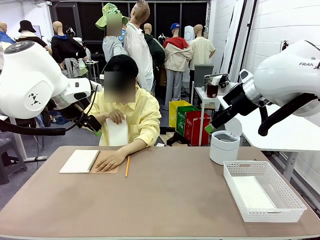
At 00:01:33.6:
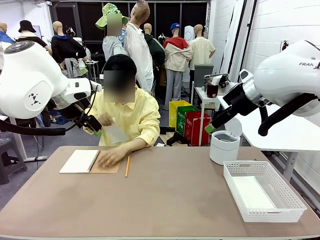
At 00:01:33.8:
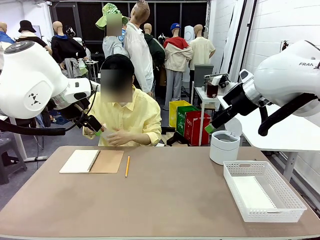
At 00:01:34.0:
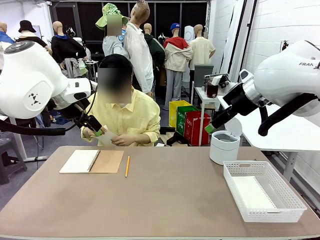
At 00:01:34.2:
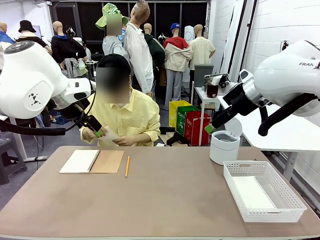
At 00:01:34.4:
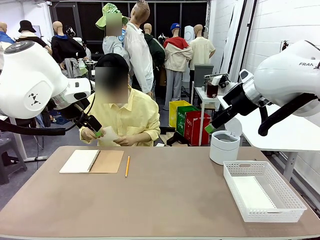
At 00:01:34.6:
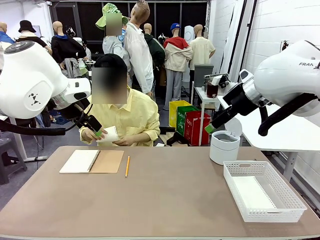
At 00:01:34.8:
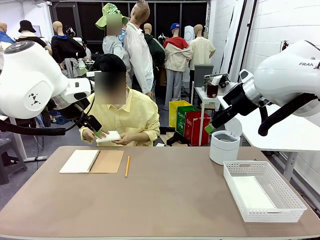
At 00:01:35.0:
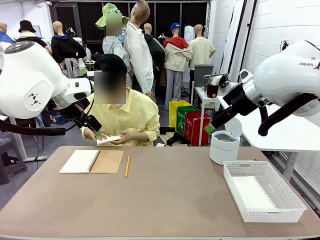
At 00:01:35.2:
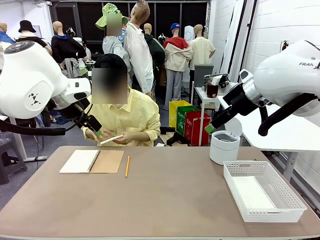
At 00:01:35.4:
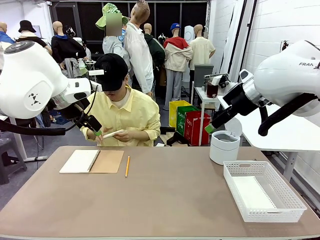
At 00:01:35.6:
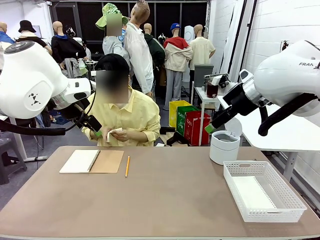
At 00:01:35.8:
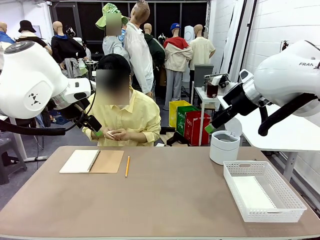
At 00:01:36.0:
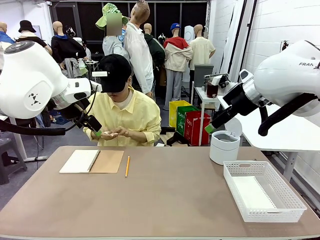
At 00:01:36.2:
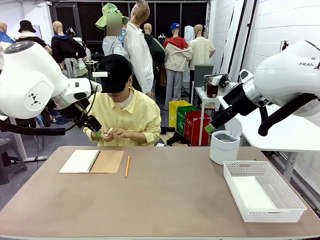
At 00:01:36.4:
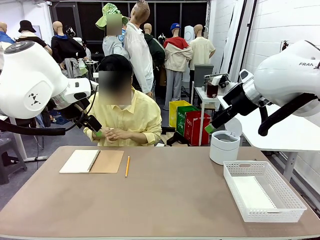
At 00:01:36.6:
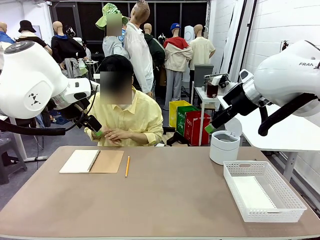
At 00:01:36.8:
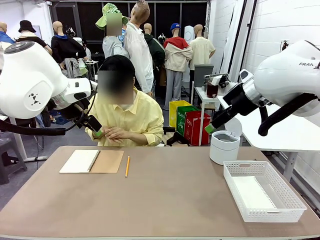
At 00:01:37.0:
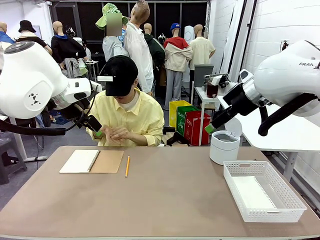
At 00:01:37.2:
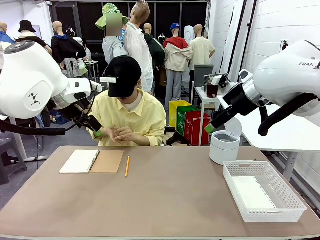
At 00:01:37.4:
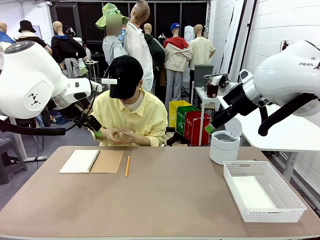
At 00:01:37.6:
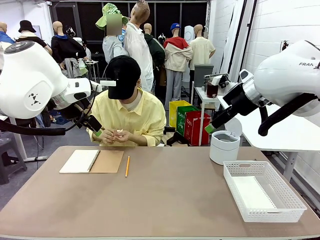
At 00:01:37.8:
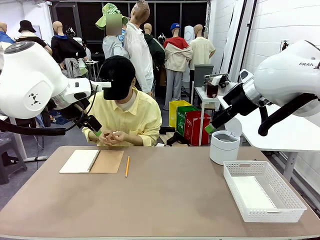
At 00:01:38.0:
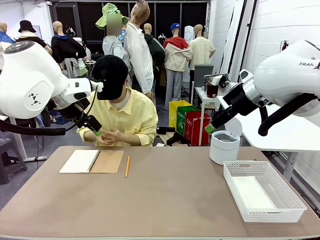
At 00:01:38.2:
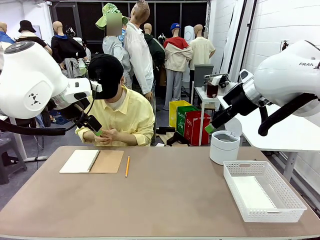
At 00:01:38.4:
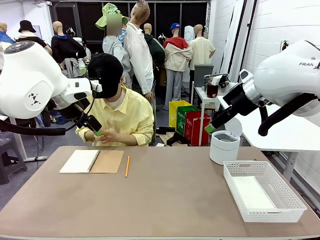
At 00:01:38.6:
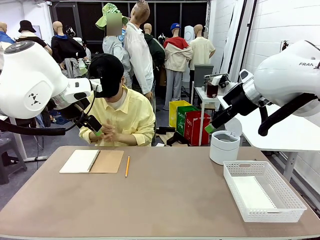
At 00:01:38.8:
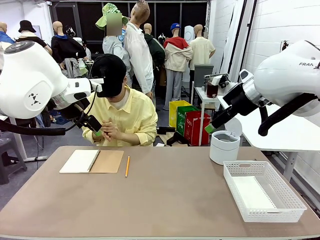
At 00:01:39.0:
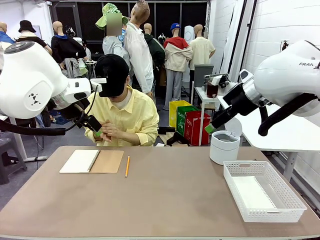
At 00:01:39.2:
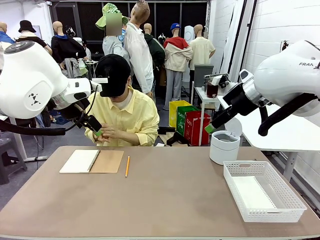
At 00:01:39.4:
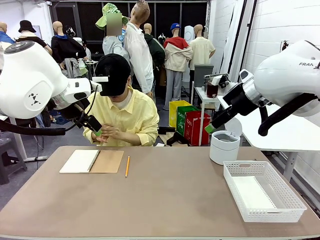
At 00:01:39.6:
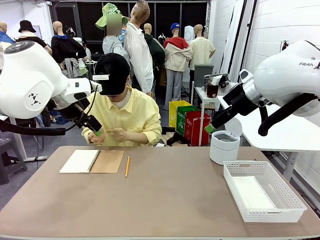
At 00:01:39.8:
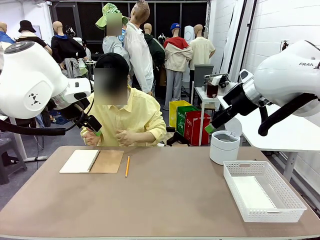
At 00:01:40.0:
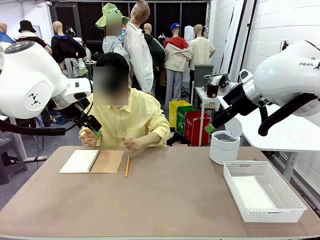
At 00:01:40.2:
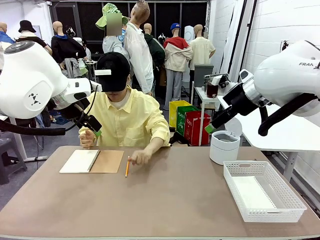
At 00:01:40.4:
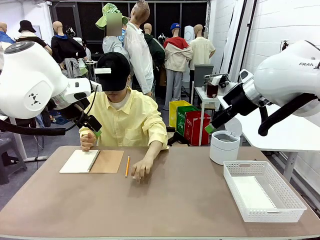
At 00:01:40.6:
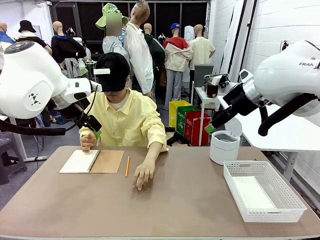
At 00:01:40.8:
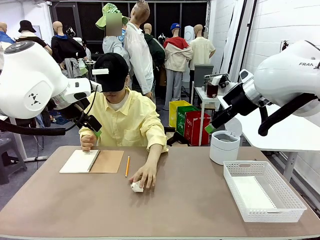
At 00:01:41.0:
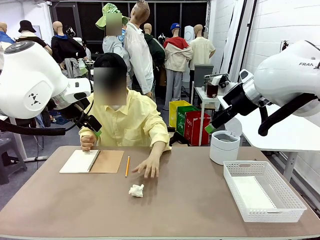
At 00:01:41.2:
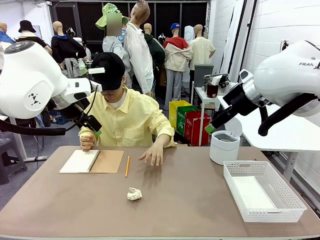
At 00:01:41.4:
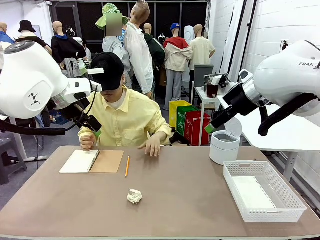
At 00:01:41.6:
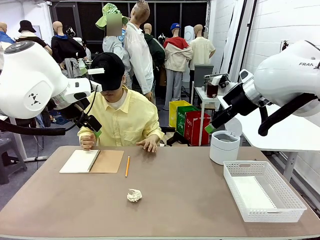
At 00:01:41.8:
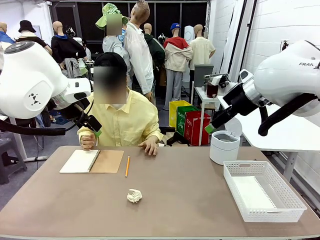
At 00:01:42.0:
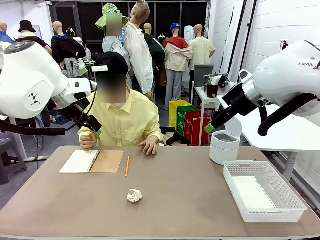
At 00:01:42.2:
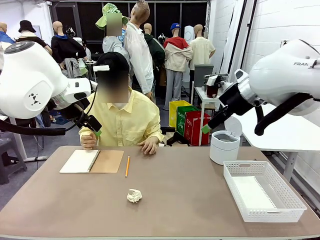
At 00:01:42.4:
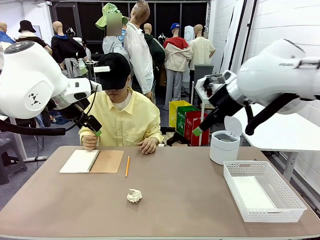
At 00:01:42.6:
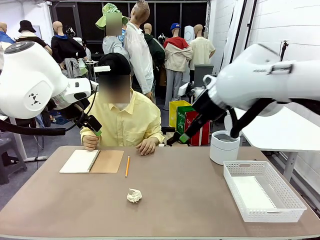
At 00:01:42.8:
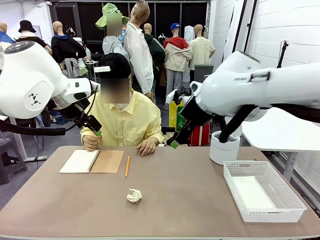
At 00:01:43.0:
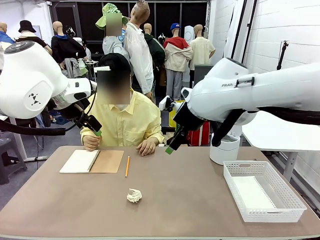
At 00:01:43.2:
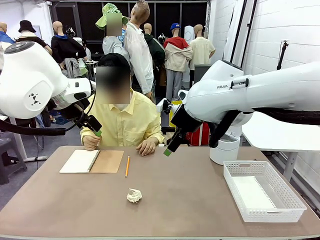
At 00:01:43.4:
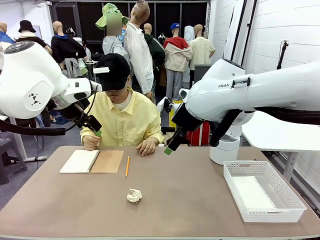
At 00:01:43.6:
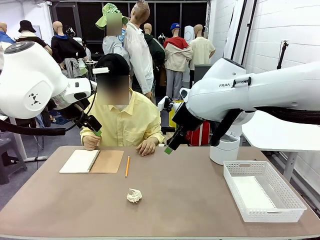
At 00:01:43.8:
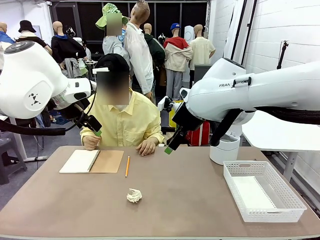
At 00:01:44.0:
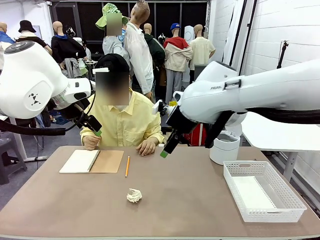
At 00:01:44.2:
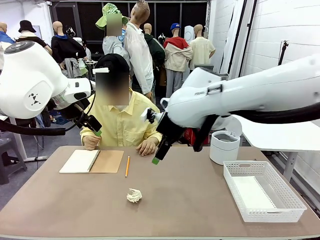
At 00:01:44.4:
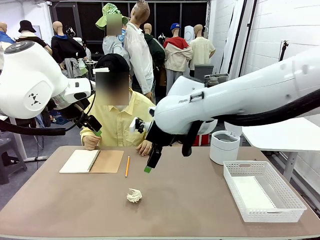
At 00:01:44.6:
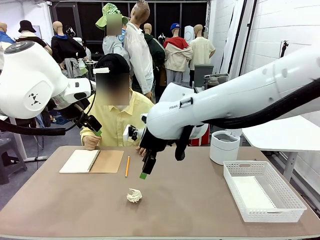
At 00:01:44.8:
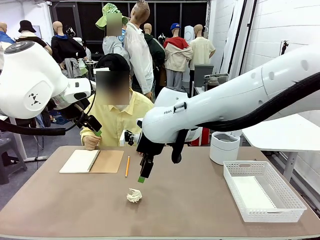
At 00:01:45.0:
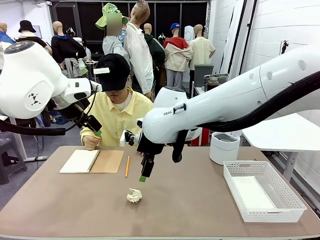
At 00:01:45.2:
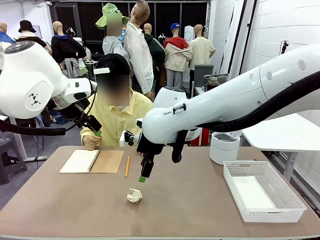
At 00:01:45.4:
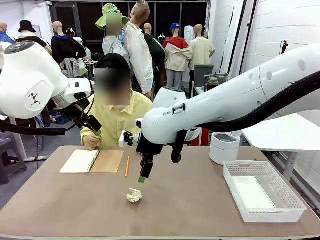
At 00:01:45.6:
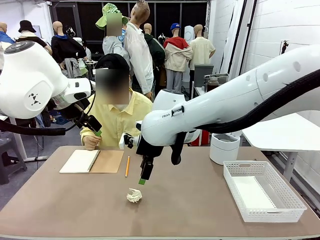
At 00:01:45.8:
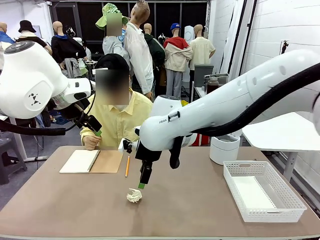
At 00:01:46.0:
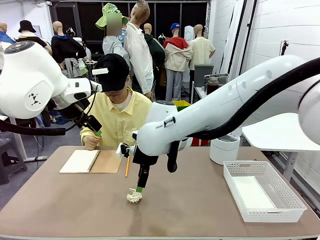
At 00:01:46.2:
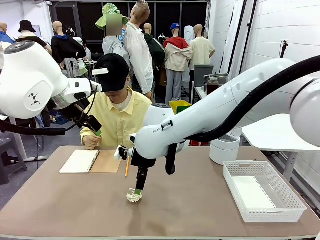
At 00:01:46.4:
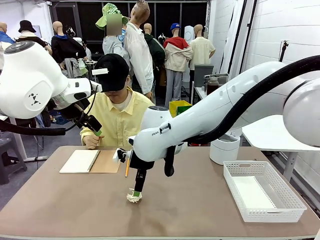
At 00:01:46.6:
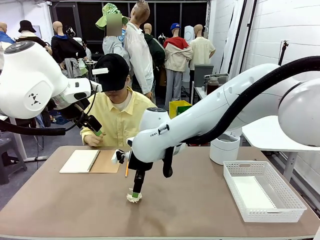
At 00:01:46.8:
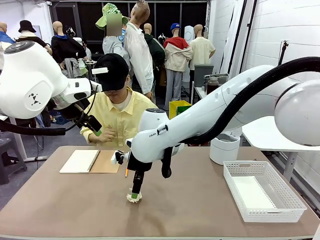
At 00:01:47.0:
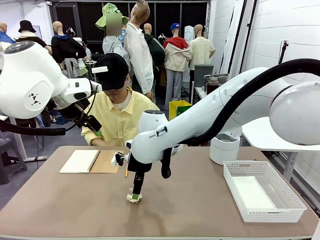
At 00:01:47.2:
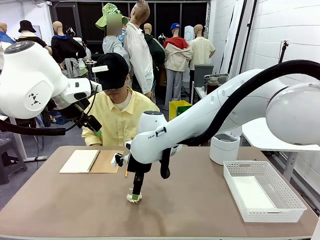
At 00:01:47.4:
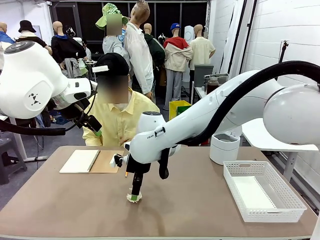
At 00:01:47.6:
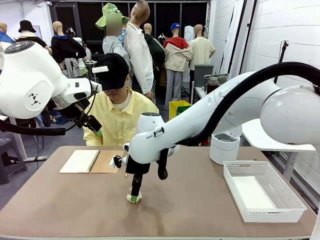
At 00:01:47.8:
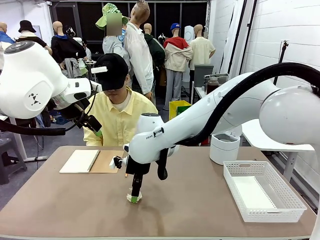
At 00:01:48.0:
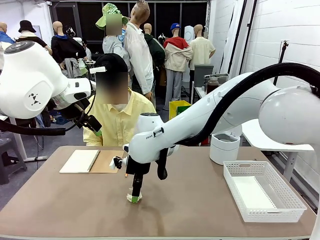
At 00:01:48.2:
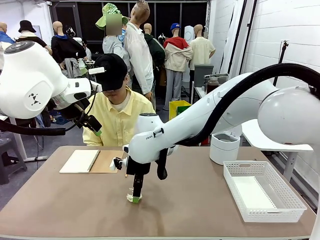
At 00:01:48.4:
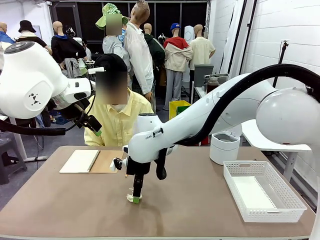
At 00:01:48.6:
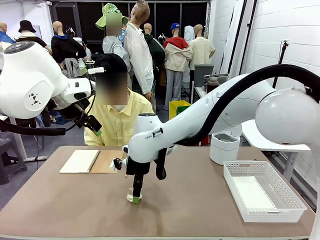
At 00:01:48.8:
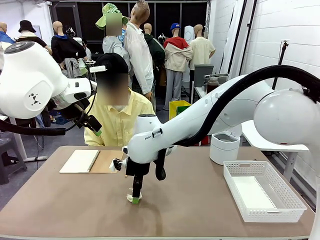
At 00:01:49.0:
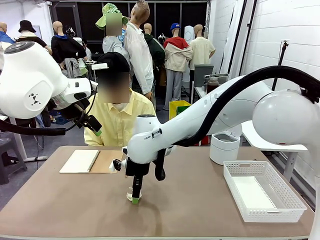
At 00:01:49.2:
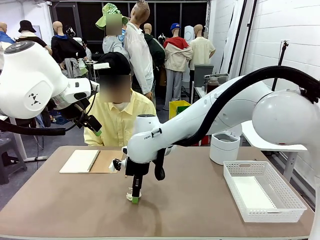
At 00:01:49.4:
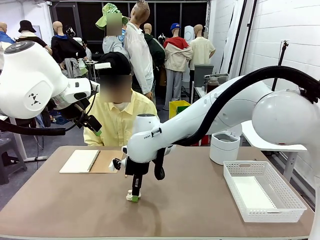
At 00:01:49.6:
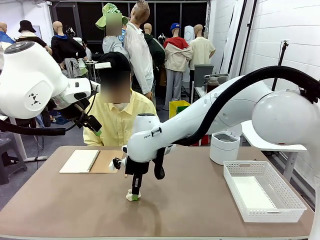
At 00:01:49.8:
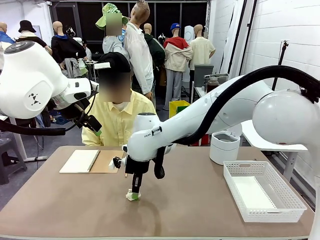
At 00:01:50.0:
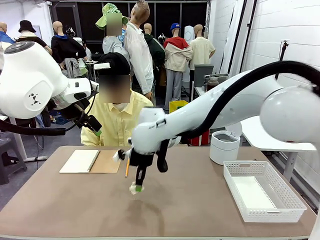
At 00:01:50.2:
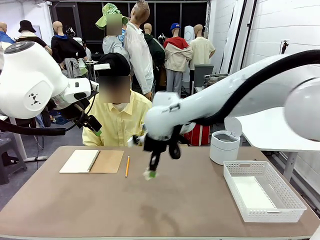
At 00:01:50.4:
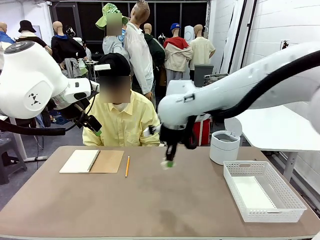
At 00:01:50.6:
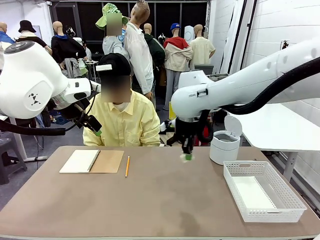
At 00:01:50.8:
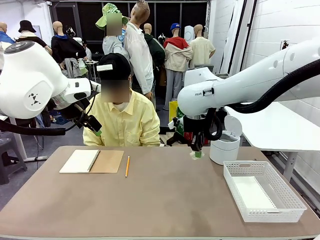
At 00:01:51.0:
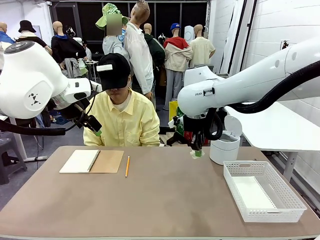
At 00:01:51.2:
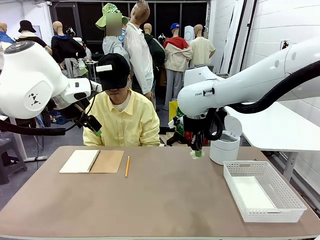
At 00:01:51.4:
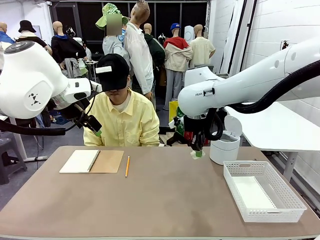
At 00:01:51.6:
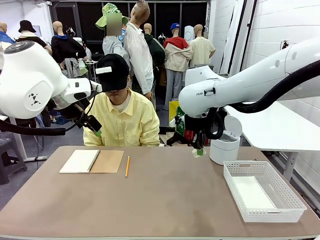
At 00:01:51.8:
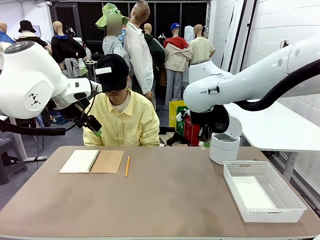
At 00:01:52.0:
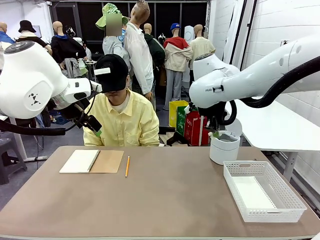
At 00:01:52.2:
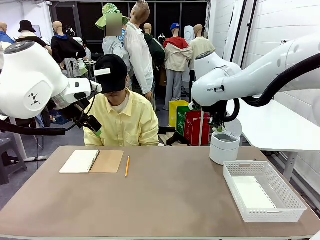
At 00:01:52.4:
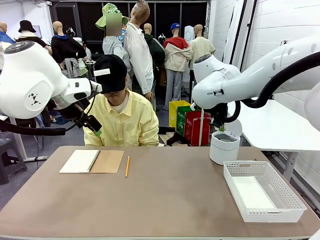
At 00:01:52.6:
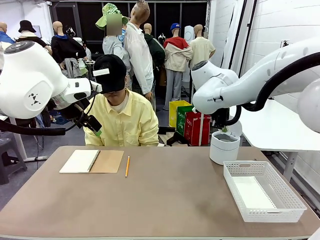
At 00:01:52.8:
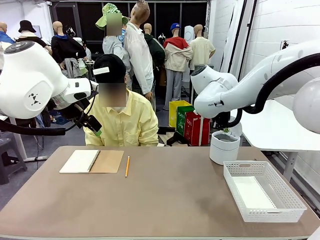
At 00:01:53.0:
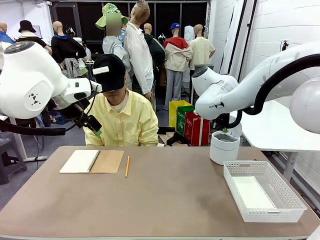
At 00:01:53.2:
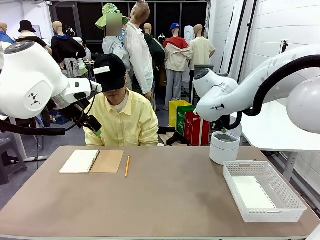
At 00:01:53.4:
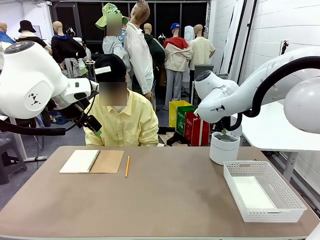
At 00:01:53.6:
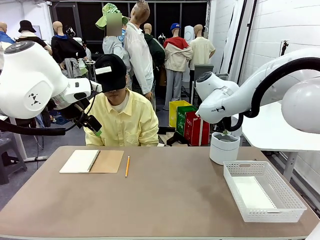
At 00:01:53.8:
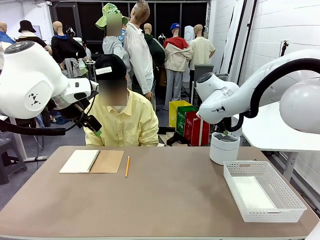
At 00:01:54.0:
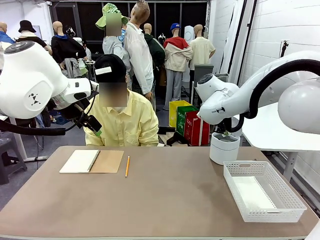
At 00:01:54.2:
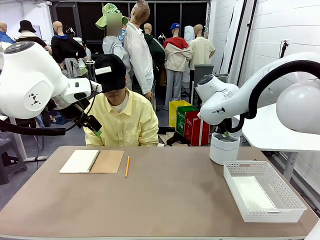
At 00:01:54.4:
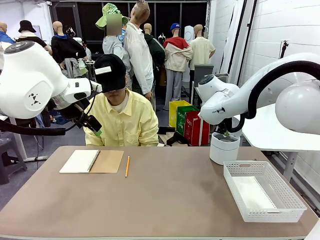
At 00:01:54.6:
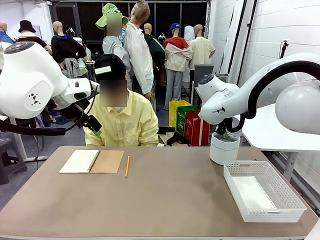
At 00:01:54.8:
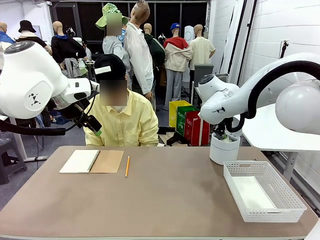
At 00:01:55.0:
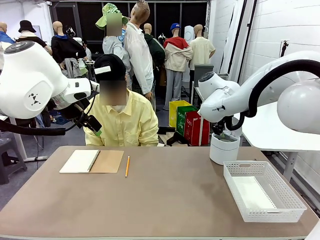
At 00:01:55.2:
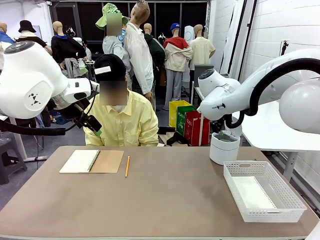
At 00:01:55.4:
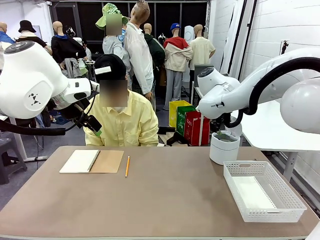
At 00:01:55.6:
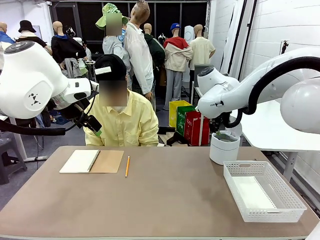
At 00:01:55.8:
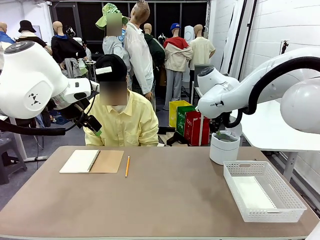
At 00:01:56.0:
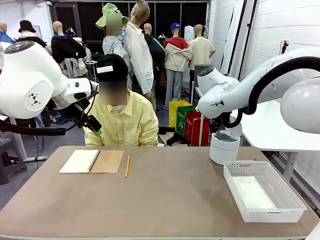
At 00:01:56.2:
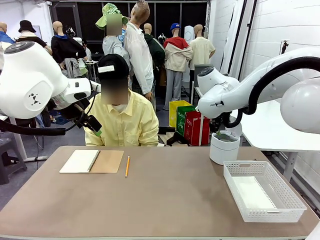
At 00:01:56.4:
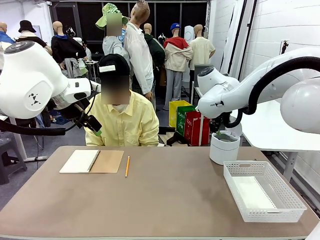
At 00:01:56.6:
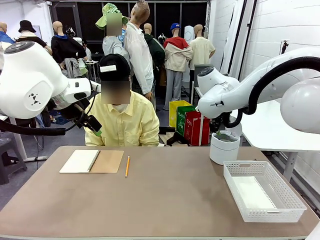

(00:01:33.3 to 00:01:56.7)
Task: Sort the paper based on its condition.
Robot: If a person hands you a paper, place it in the Organizing basket , and if it's crumpled, put it in the Trash can.
Person: Hand the torn page to the robot or crumple it and throw it to the center of the table.
